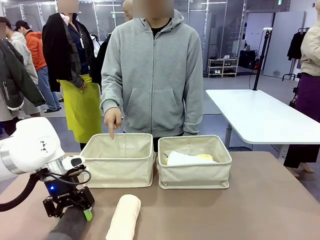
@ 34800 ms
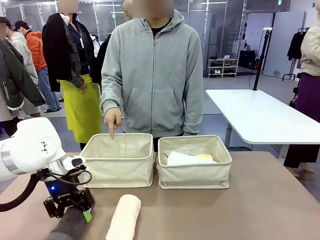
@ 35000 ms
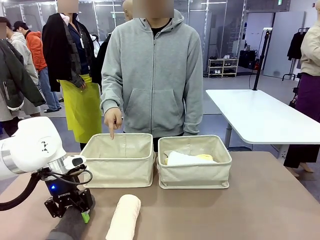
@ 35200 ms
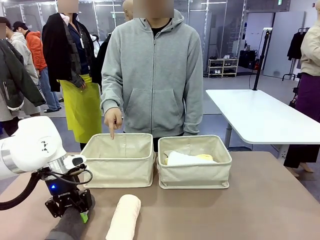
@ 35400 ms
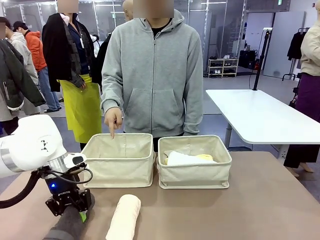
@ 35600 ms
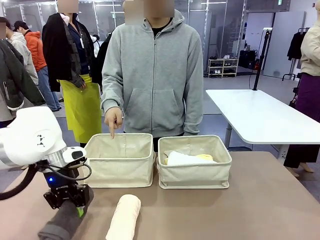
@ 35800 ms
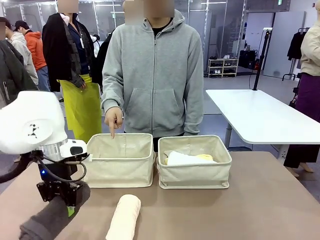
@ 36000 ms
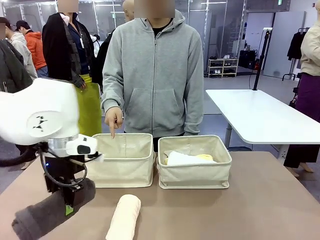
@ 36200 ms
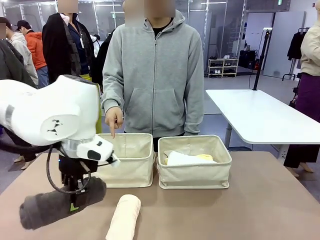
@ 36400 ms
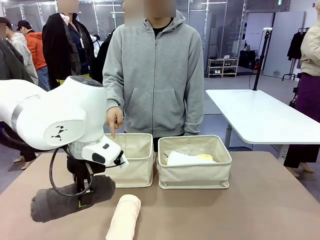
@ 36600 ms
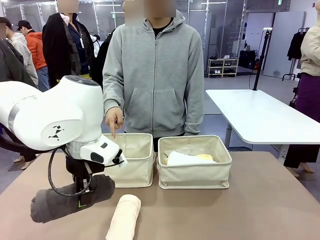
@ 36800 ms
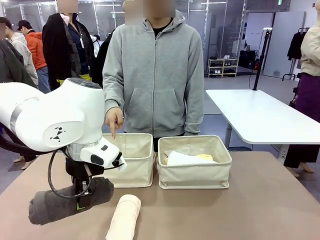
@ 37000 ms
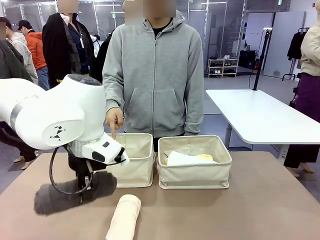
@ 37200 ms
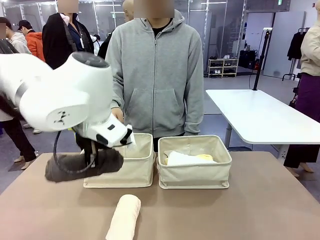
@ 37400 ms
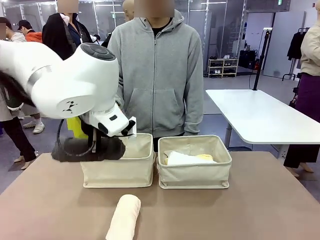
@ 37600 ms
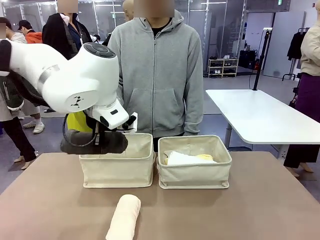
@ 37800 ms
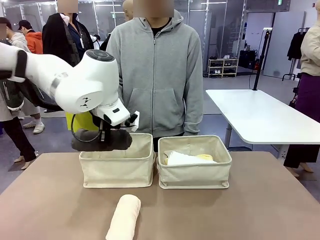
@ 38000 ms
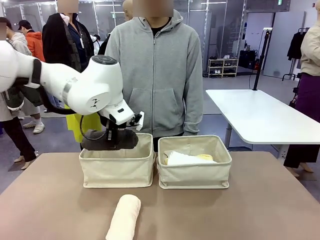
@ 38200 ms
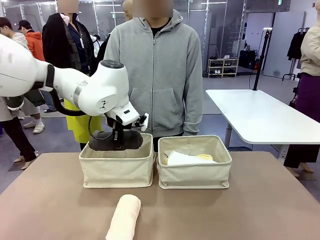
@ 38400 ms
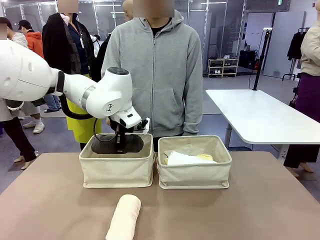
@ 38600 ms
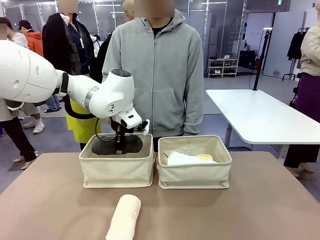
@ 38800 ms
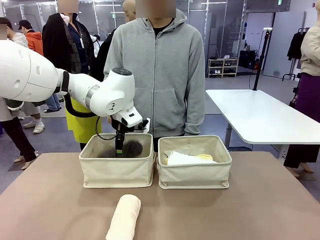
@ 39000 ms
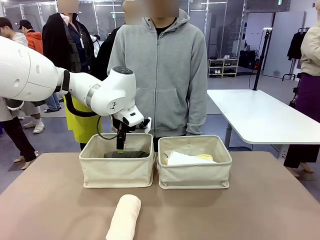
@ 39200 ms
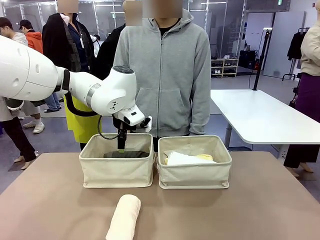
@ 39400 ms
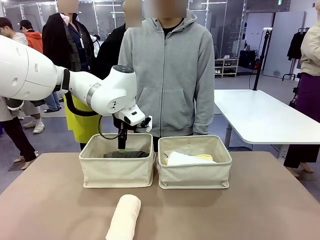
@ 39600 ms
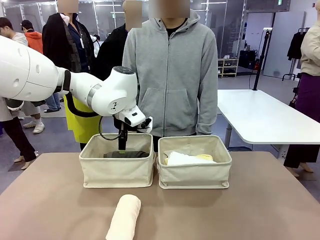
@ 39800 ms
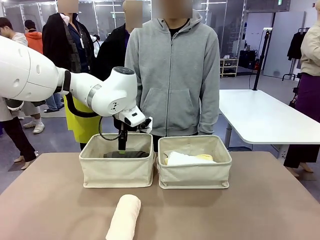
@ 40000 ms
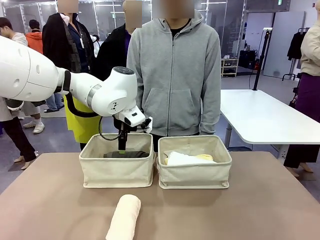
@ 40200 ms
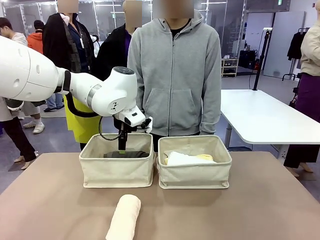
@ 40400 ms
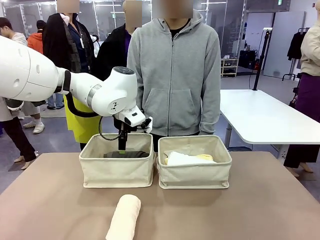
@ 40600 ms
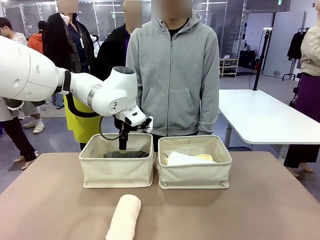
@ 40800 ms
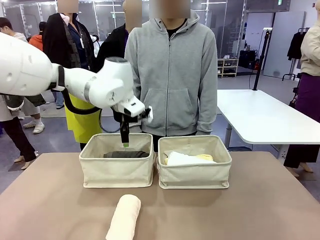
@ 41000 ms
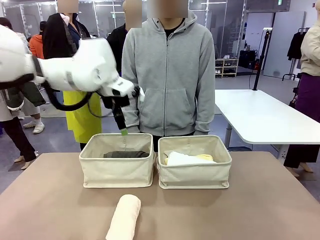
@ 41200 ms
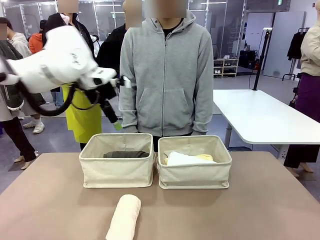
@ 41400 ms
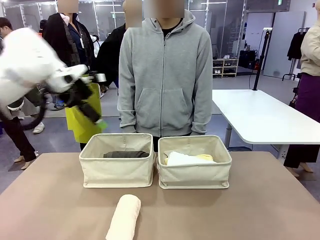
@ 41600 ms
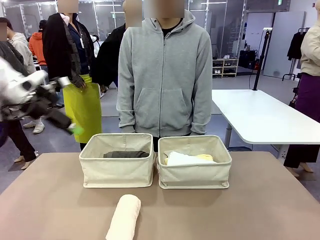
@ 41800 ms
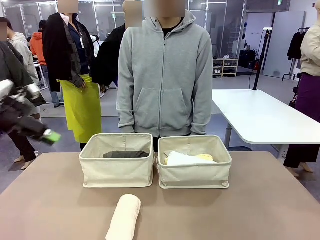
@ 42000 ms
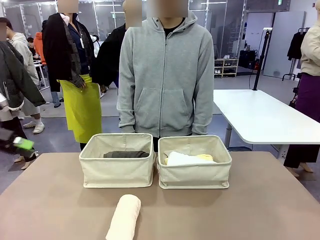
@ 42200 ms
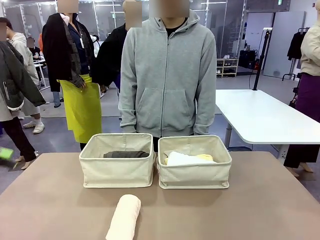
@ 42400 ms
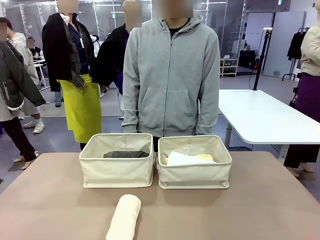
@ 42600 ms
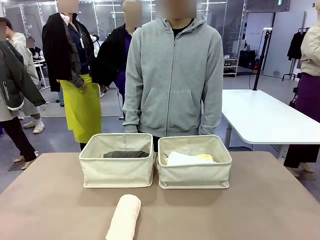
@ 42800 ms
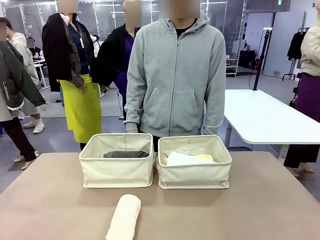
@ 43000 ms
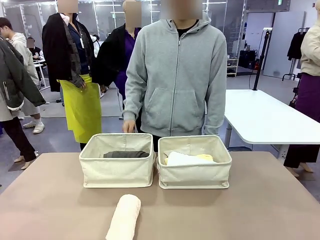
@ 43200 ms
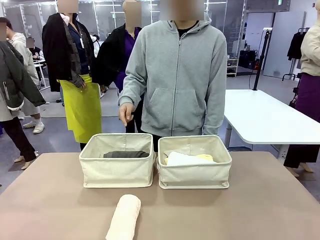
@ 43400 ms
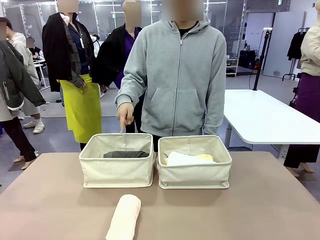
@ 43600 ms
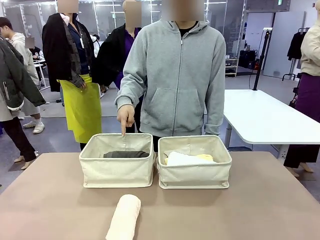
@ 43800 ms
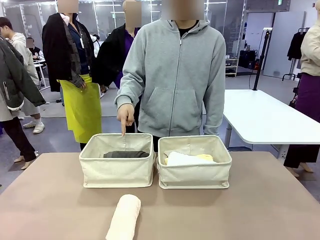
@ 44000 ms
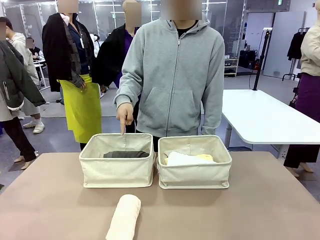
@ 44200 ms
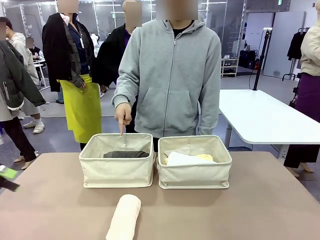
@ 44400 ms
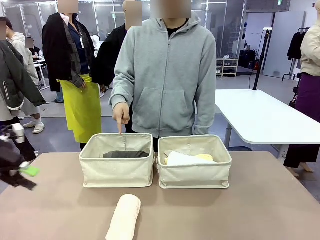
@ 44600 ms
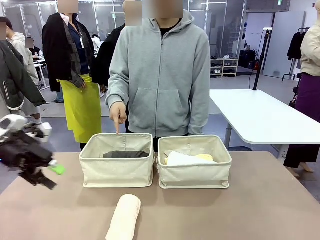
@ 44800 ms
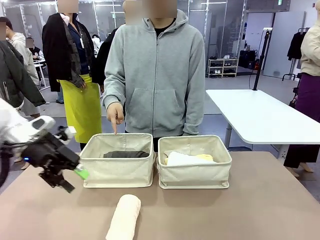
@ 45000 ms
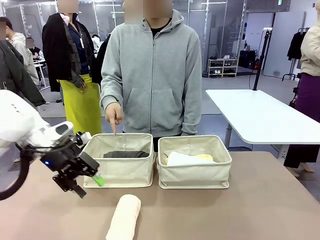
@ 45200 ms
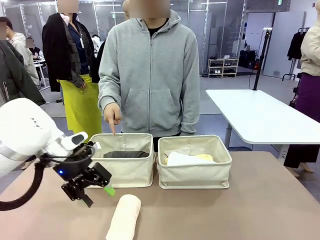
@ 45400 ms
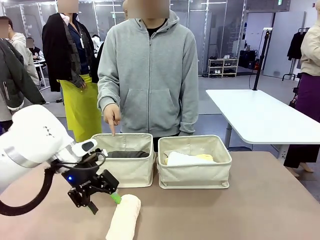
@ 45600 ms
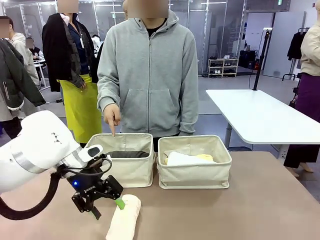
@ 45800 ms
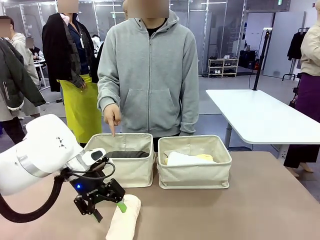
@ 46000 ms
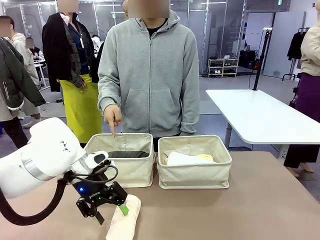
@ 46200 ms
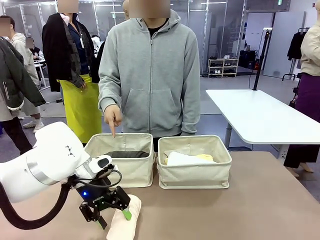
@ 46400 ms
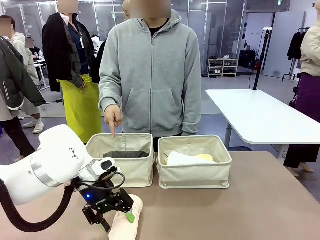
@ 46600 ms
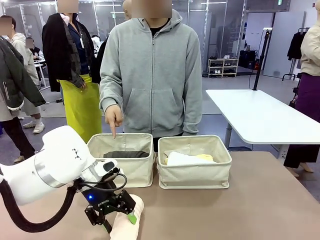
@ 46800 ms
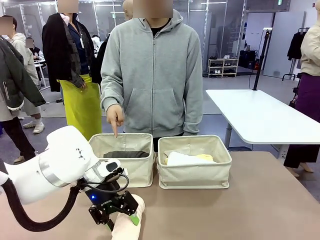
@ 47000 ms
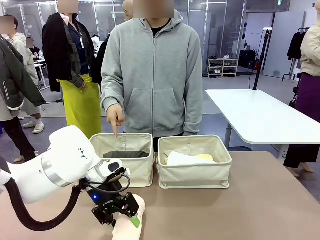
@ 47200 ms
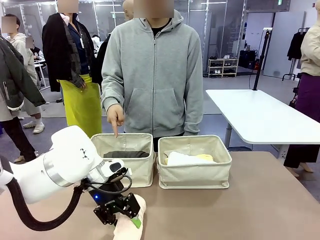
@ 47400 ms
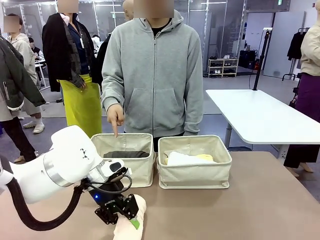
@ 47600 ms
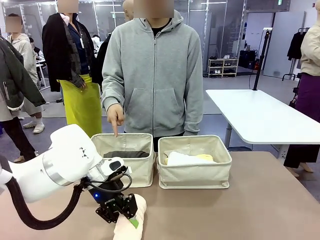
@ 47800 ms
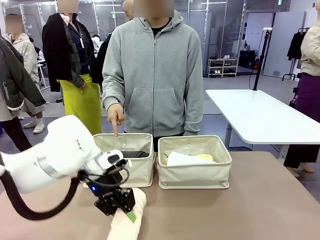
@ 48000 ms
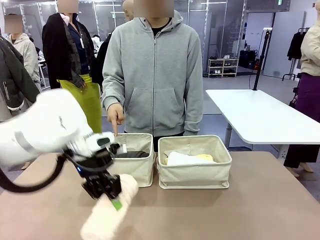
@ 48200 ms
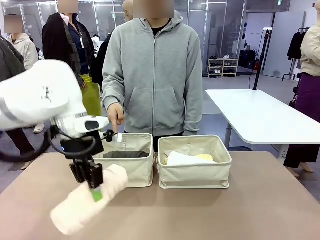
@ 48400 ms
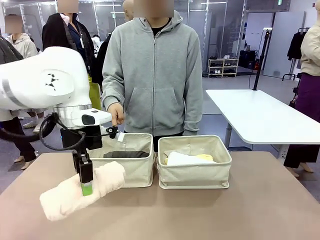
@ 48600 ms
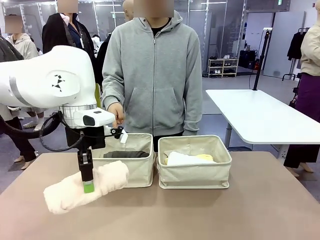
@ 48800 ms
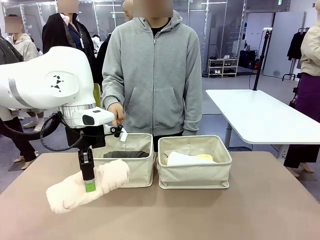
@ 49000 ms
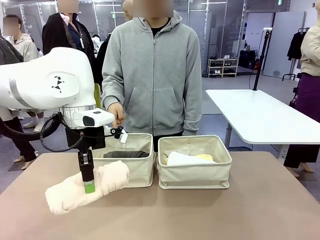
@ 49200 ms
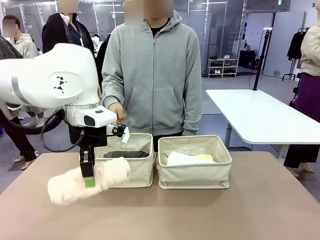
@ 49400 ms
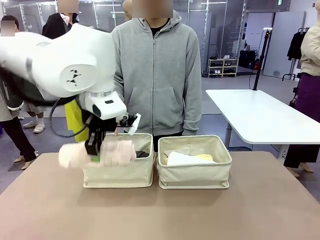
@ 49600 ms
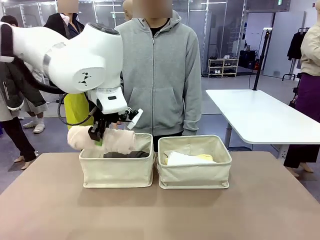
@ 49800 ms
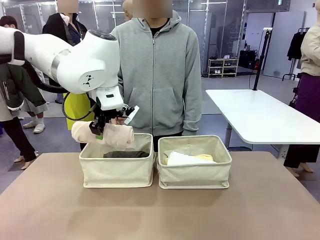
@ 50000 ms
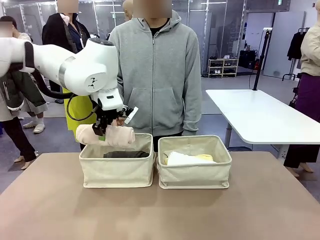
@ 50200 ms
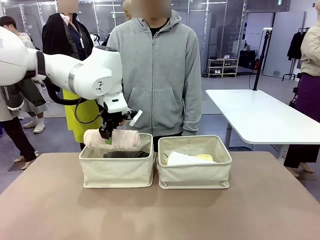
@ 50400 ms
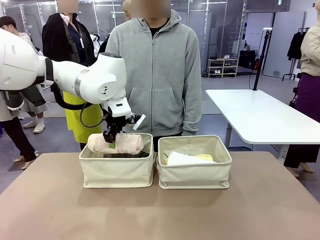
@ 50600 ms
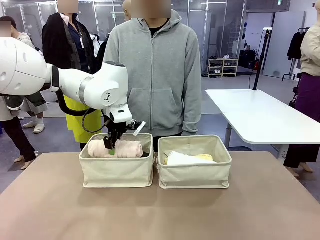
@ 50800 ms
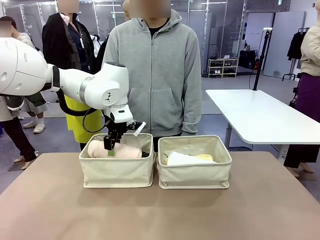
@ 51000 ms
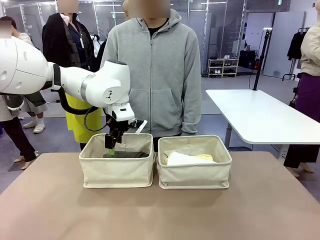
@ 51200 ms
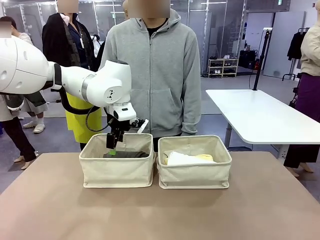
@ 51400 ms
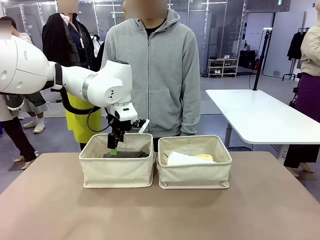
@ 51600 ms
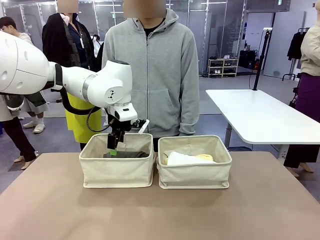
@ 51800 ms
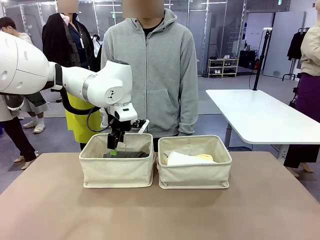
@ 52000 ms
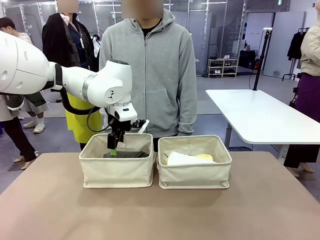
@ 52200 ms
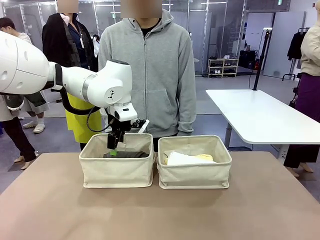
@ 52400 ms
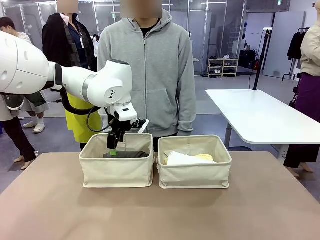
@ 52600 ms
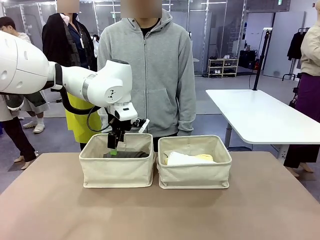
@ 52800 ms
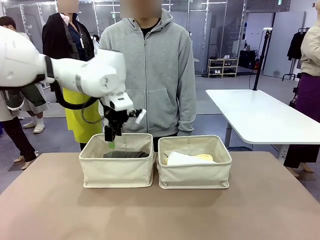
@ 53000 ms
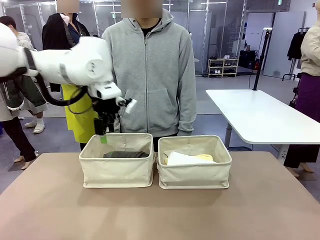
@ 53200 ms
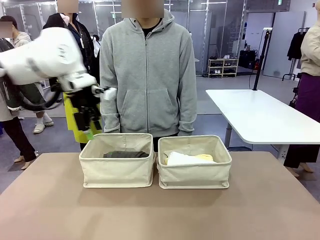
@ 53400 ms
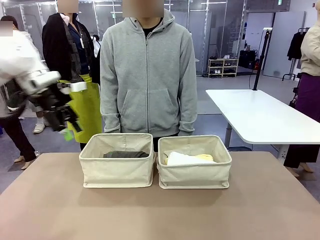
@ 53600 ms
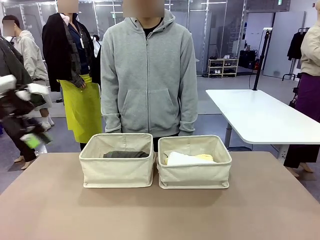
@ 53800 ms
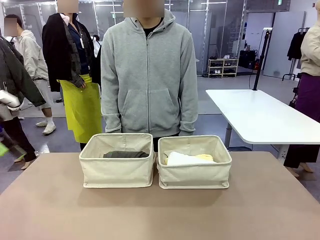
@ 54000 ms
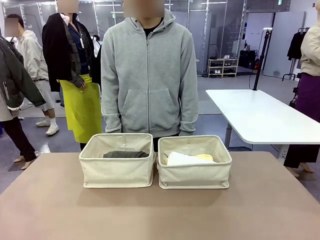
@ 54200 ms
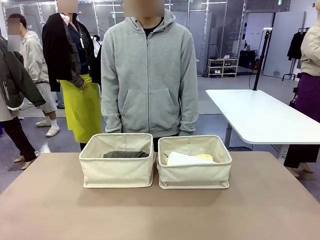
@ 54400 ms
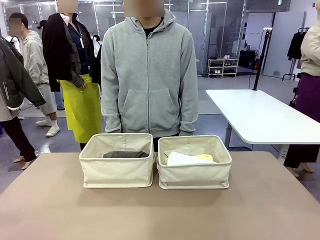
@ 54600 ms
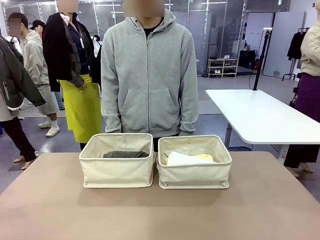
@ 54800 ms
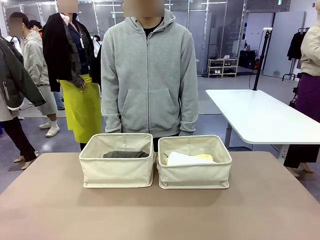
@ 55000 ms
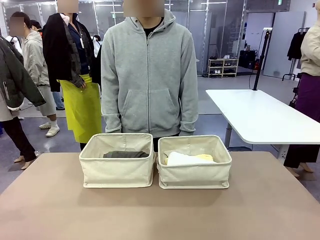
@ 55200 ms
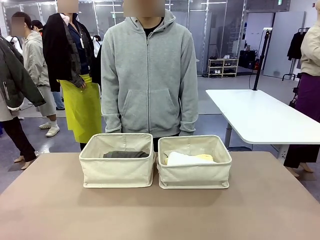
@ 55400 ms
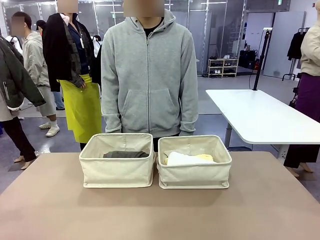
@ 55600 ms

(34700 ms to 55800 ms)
Task: Divide the towels into two baskets.
Robot: Pick up one hotel-folded towel from the bottom of the table and place it in the Fabric basket indicated by the person.
